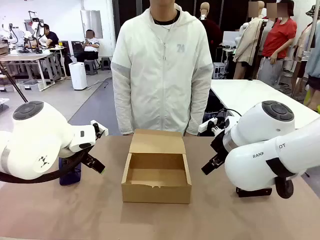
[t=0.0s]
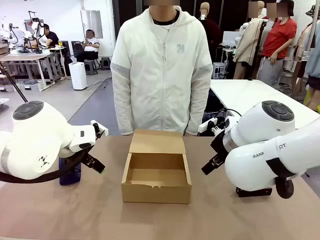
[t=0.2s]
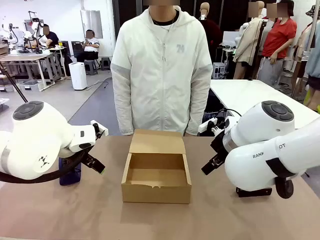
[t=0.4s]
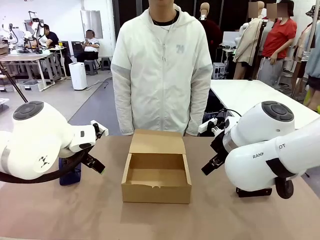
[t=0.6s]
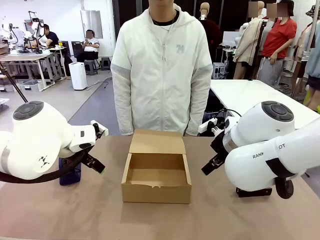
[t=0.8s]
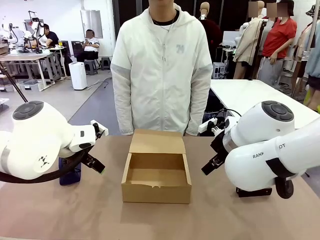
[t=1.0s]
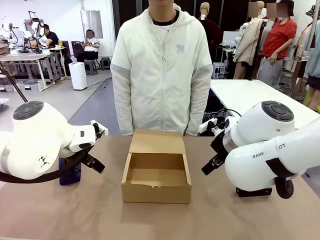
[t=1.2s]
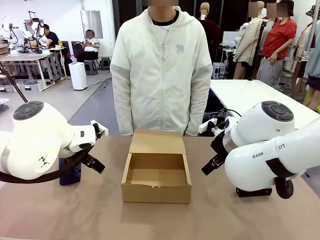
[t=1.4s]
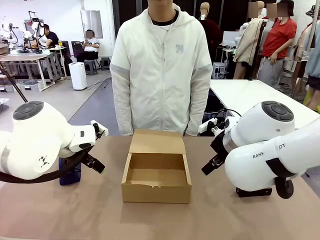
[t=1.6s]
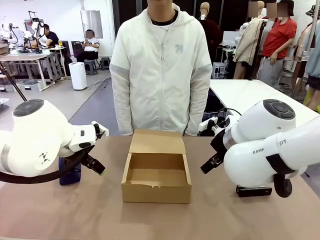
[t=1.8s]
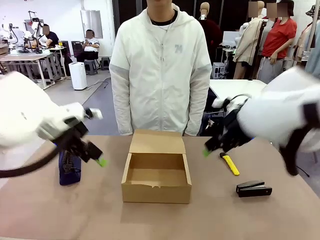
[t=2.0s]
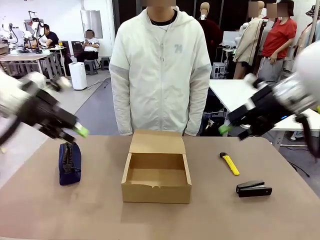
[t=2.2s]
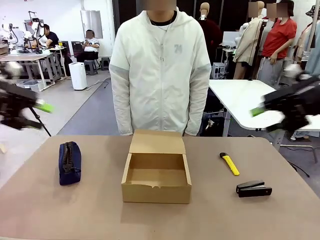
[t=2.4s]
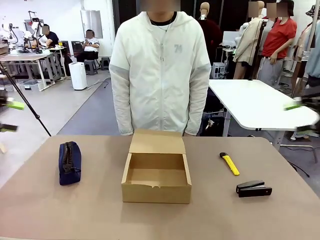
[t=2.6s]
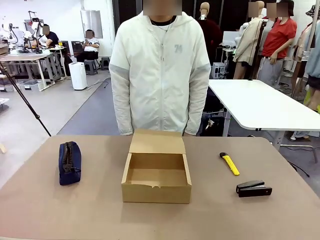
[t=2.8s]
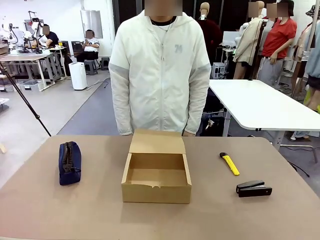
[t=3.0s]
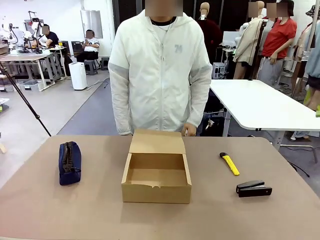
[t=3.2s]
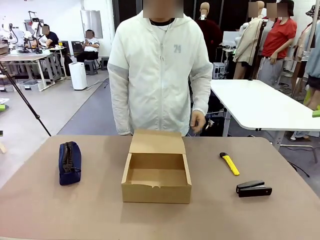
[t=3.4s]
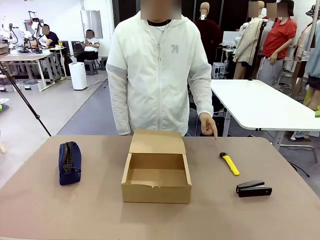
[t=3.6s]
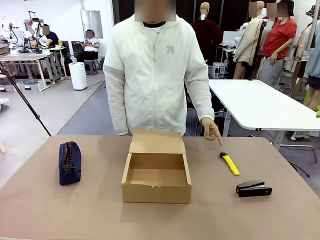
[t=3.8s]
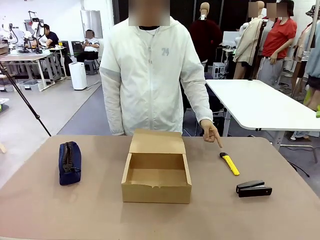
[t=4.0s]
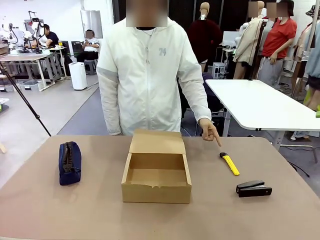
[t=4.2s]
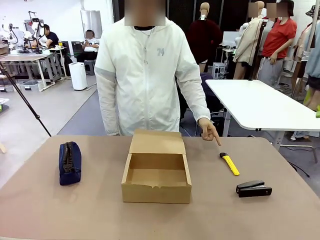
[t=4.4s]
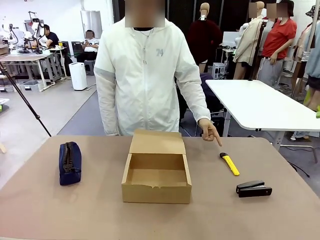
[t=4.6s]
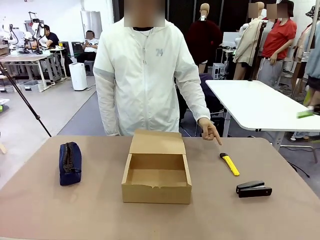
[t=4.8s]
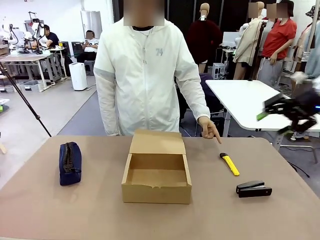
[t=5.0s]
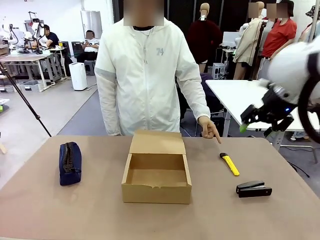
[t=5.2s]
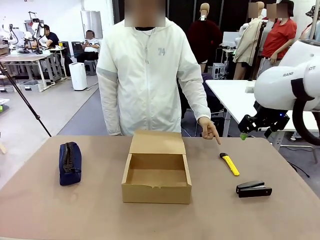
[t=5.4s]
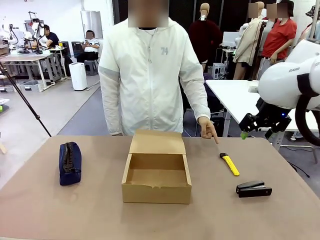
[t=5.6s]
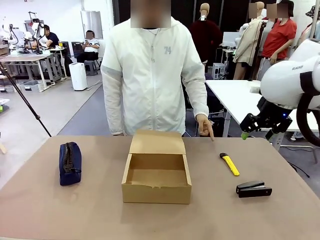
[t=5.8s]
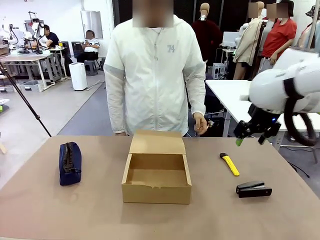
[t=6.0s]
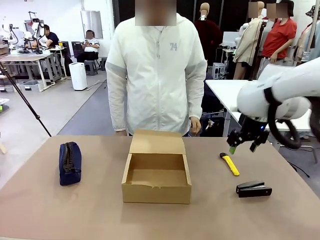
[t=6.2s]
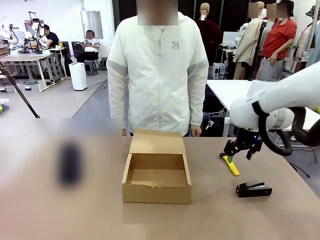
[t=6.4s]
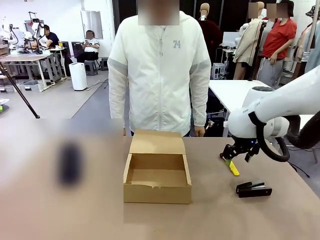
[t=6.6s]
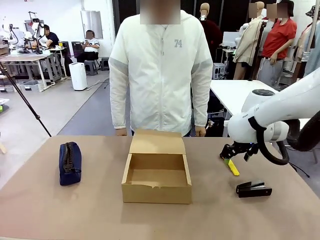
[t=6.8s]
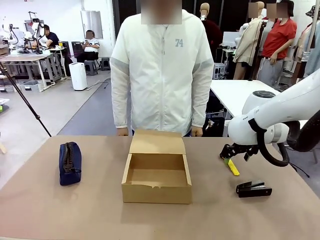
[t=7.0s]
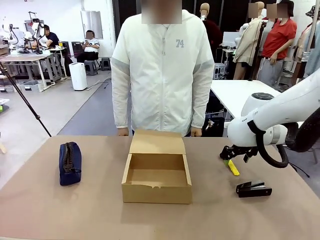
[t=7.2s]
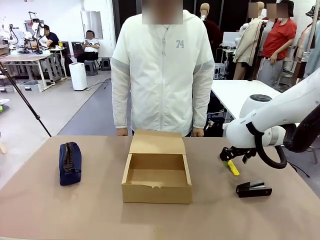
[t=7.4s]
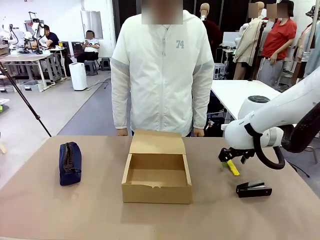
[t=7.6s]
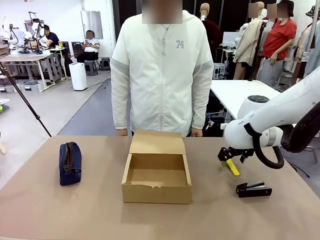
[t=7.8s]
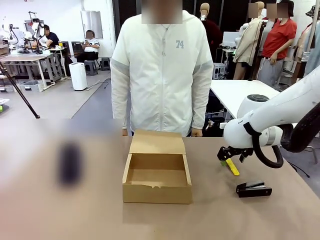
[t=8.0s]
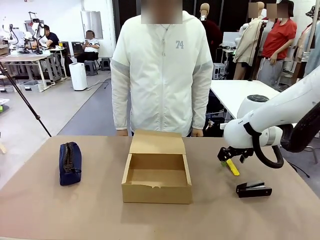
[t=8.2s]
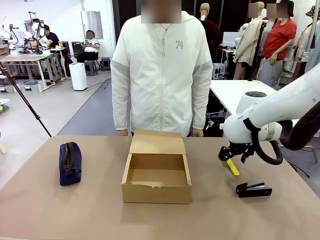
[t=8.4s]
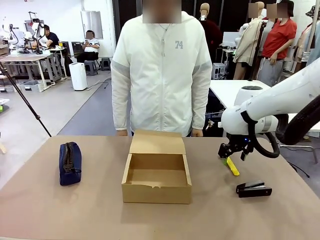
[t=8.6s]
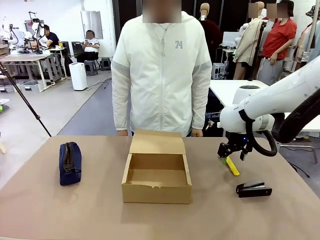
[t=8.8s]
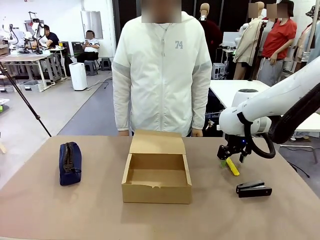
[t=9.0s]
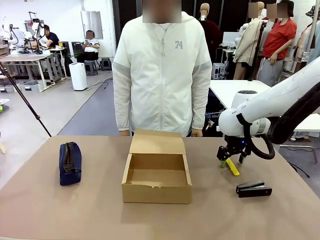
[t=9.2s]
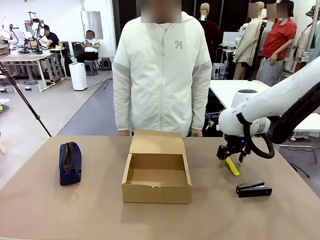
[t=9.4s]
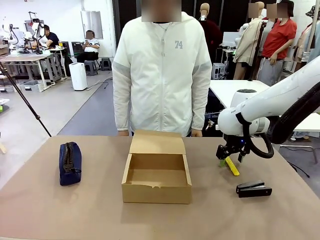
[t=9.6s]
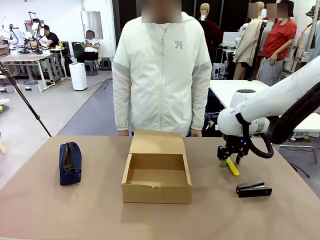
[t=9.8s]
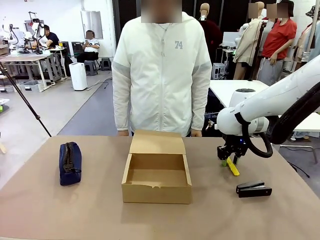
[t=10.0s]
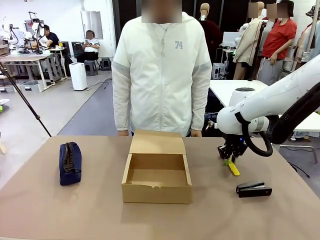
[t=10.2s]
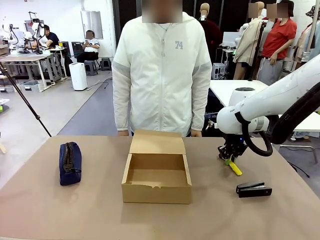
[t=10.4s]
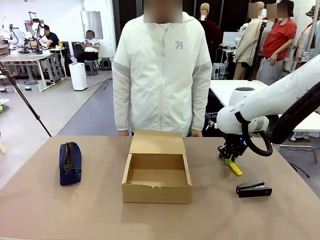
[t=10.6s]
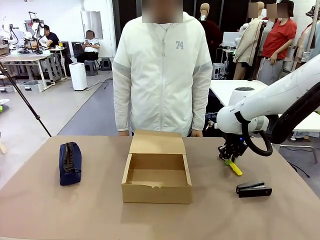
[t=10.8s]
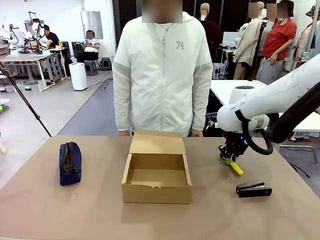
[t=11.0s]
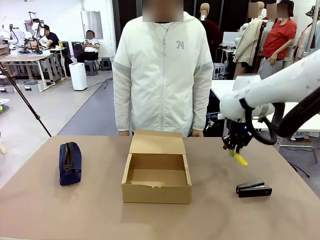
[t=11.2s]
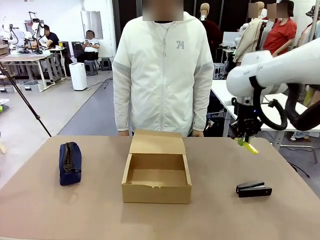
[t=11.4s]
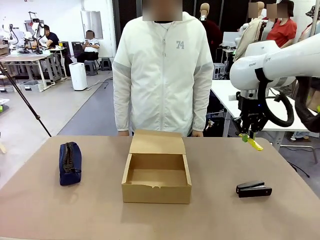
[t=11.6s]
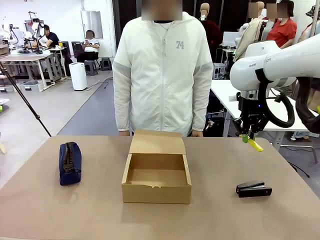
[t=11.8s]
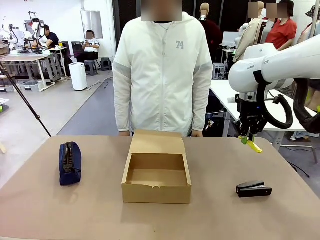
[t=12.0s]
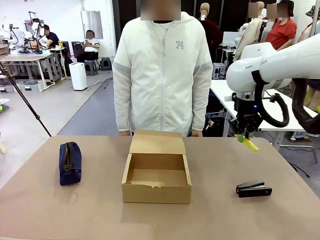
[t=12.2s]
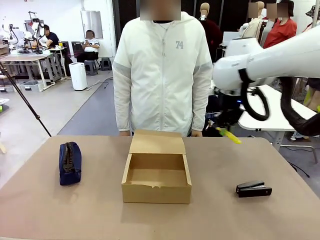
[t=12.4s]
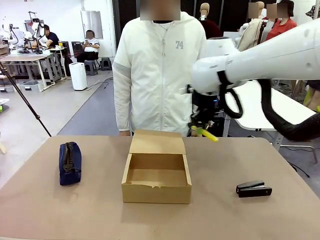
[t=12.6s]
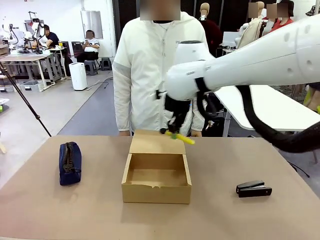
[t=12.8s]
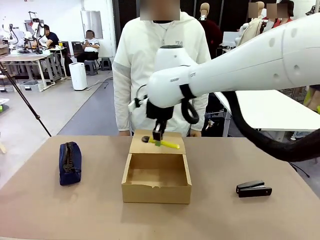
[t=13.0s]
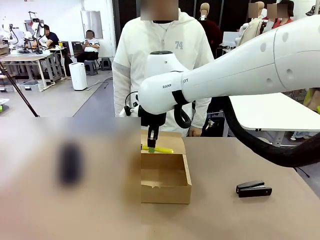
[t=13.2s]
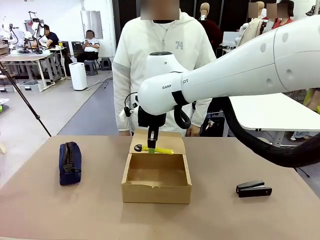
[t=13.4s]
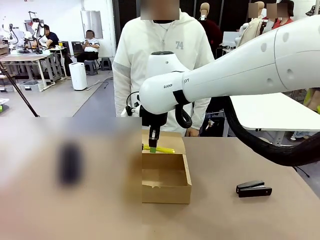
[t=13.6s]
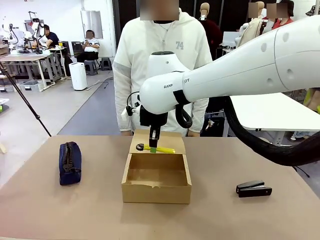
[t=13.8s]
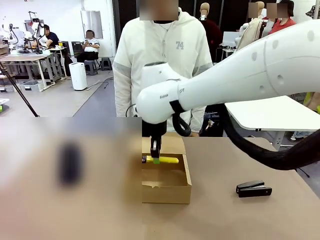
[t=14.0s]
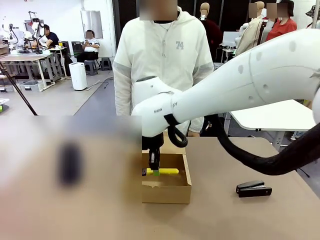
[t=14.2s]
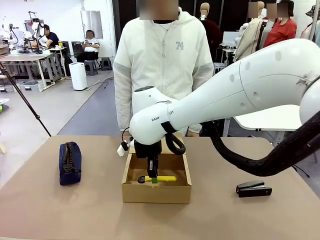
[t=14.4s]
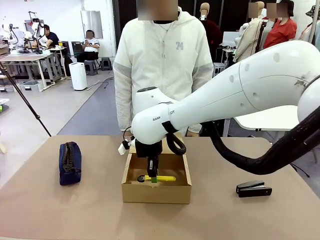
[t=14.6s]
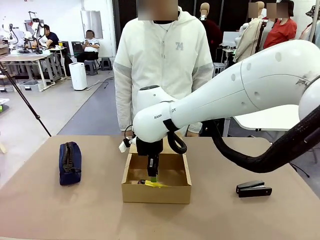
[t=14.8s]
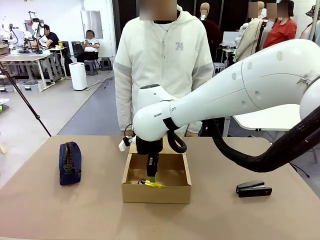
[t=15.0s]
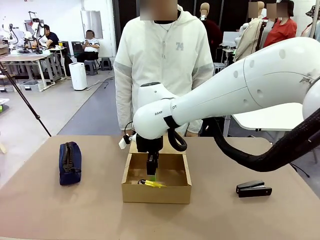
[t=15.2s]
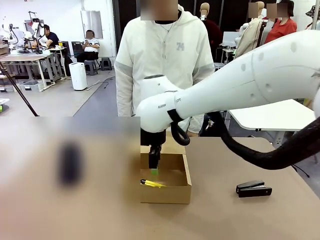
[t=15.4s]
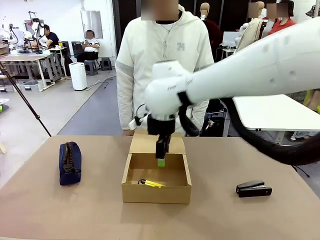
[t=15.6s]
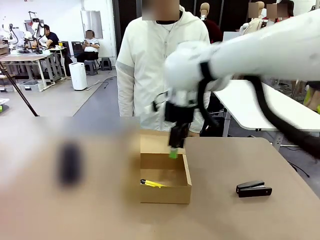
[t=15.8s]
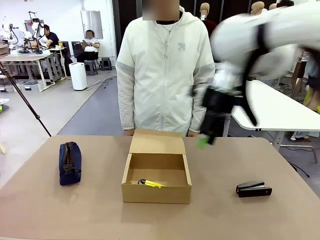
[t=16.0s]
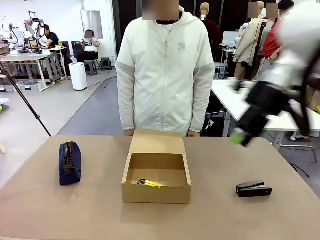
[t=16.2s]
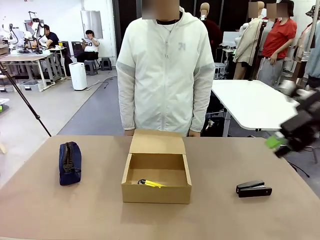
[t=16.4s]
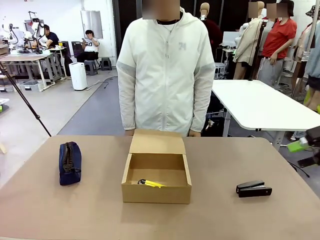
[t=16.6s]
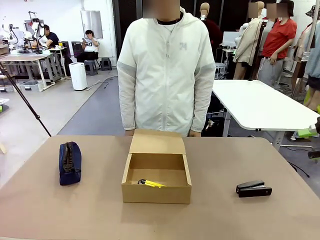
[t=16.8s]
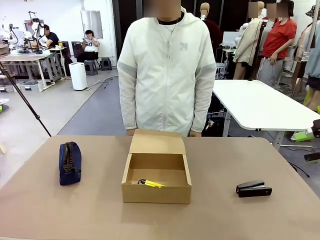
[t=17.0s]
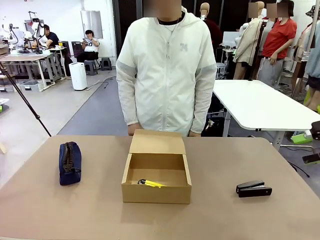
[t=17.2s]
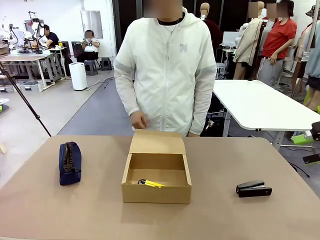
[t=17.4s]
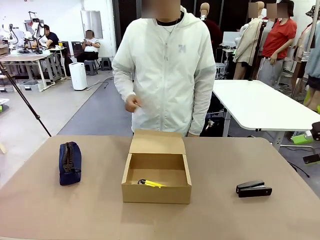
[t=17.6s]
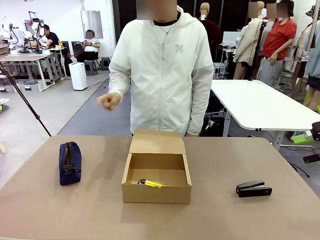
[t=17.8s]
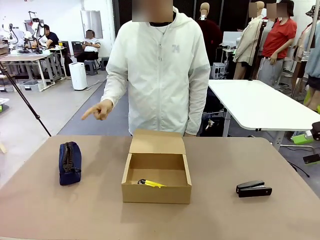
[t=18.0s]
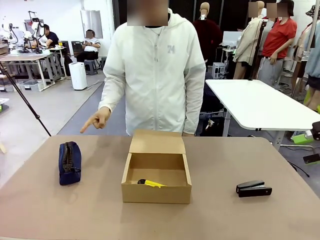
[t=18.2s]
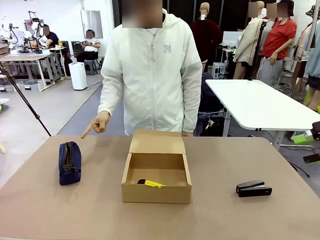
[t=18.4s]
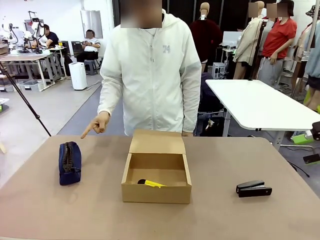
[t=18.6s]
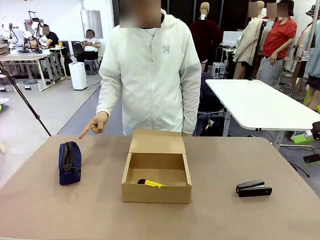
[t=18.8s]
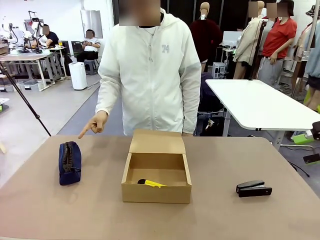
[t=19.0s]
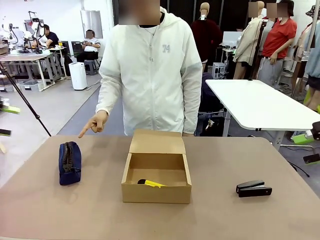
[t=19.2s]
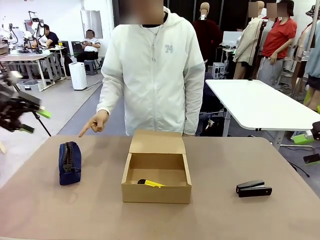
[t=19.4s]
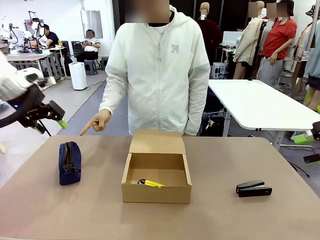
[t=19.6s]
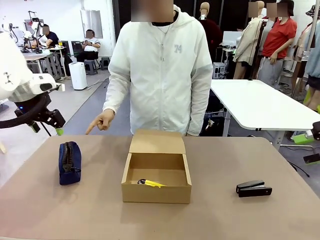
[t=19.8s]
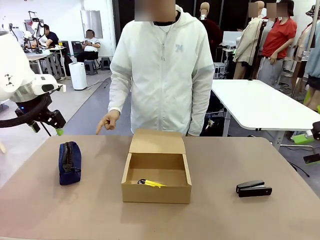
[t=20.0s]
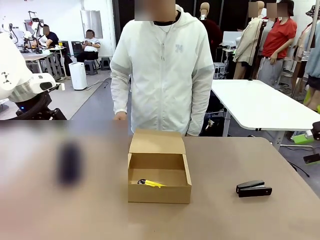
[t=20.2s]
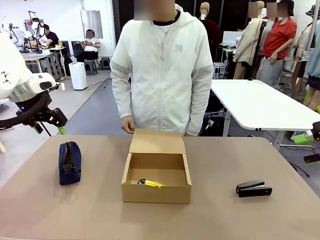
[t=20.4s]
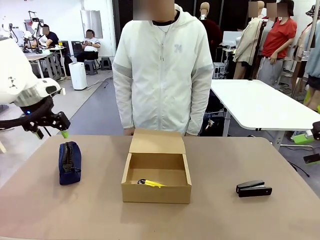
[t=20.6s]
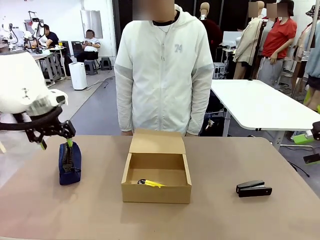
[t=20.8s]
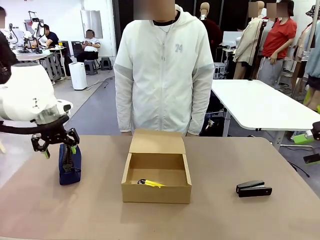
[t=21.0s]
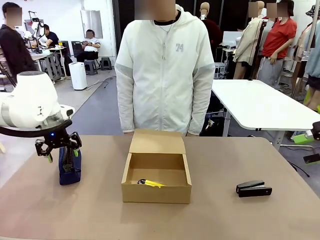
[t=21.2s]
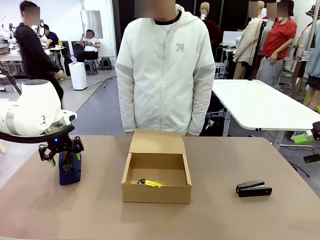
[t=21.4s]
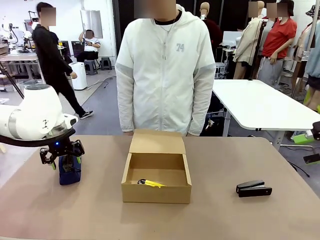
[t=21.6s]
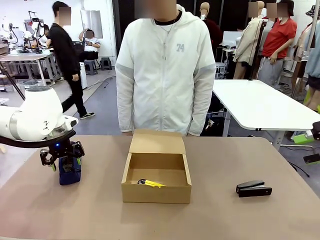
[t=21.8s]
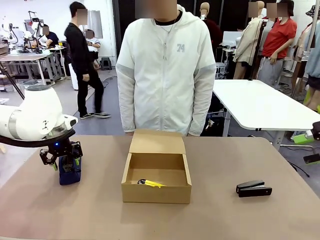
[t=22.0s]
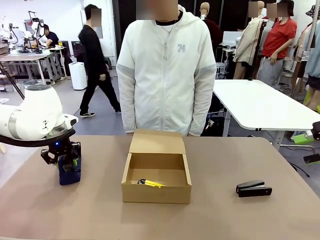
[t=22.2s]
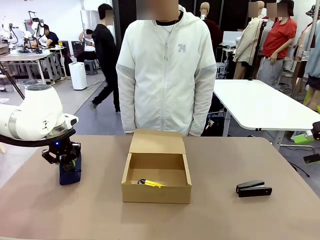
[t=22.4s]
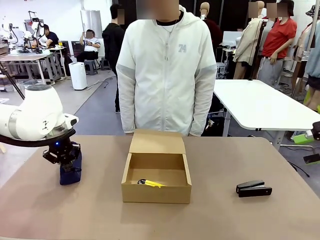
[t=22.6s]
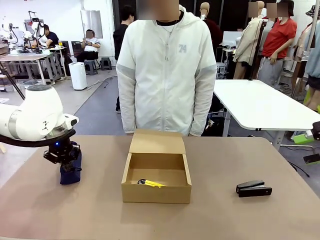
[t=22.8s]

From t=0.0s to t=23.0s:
Task: Pack the items into the box.
Robot: Pick up the item indicated by the person and place it inside the Mailer Box.
Person: Point at one item on the table (excluding the box).
